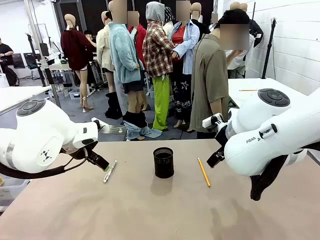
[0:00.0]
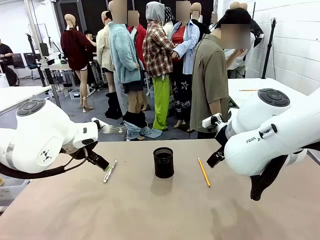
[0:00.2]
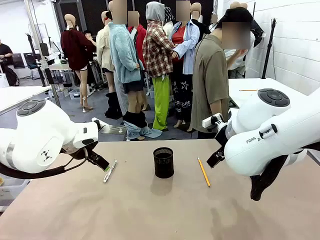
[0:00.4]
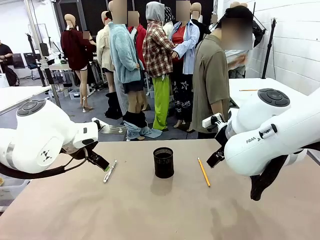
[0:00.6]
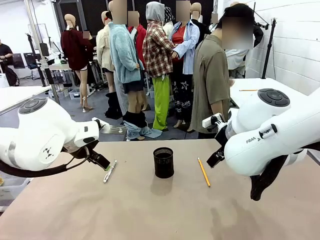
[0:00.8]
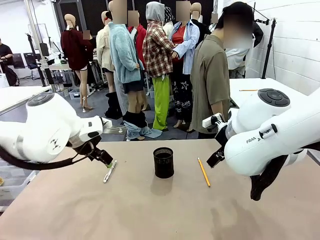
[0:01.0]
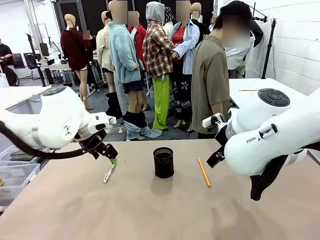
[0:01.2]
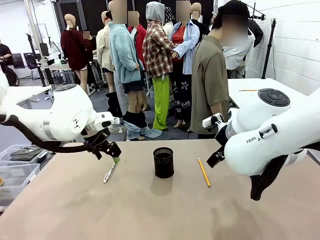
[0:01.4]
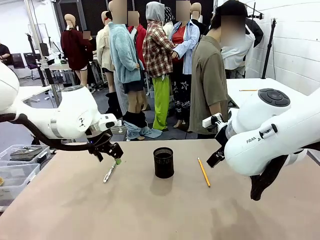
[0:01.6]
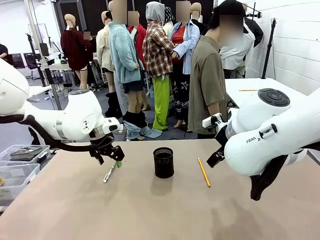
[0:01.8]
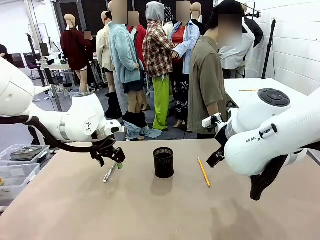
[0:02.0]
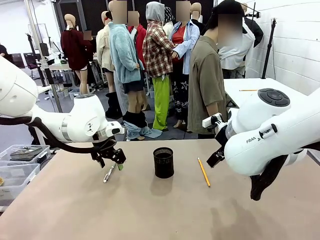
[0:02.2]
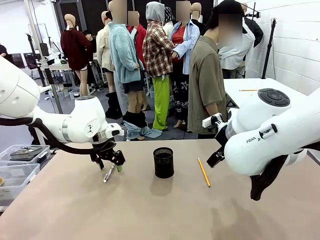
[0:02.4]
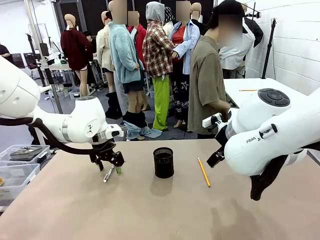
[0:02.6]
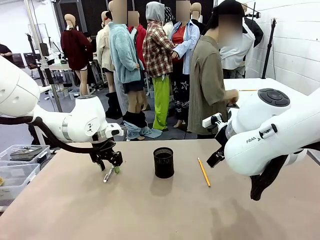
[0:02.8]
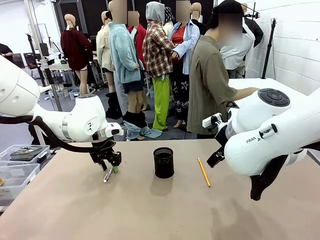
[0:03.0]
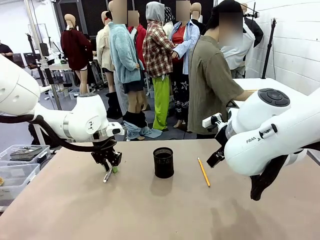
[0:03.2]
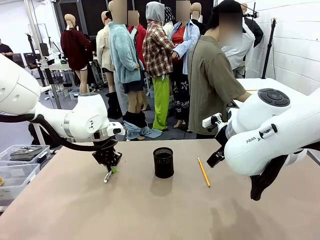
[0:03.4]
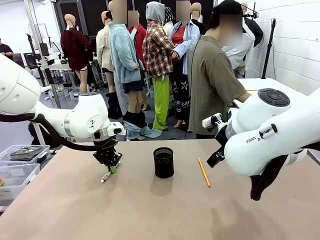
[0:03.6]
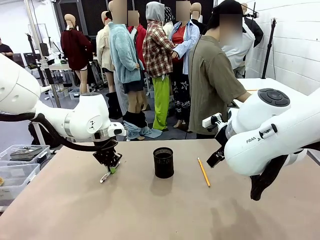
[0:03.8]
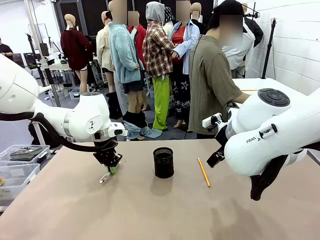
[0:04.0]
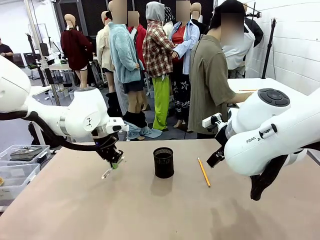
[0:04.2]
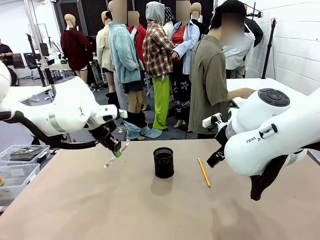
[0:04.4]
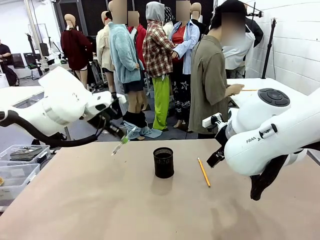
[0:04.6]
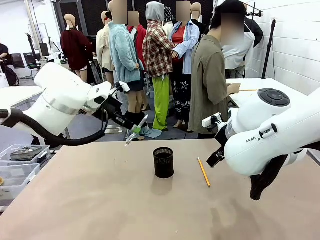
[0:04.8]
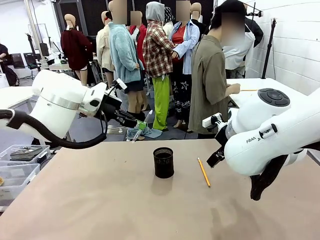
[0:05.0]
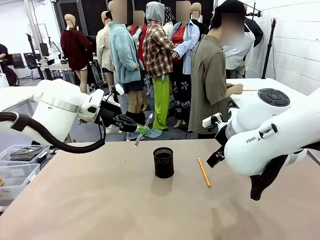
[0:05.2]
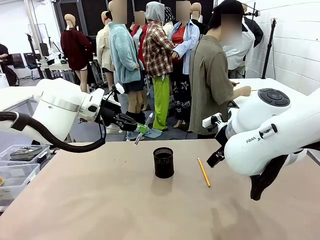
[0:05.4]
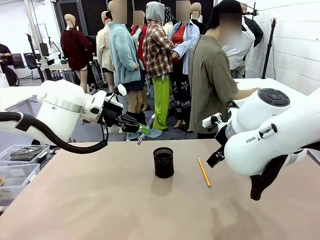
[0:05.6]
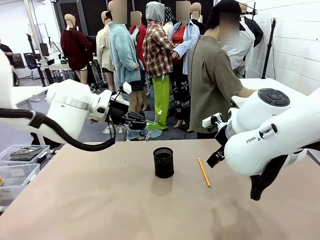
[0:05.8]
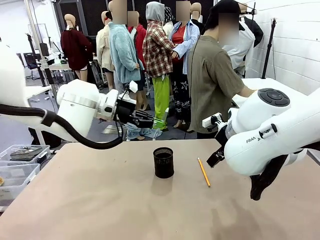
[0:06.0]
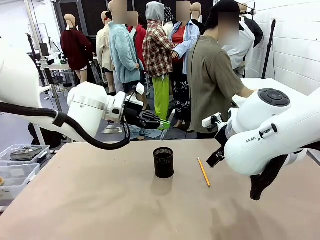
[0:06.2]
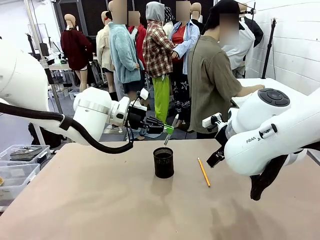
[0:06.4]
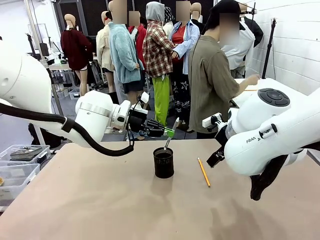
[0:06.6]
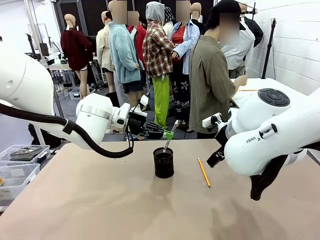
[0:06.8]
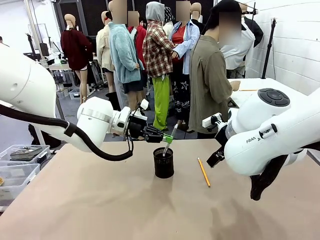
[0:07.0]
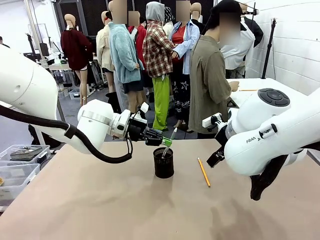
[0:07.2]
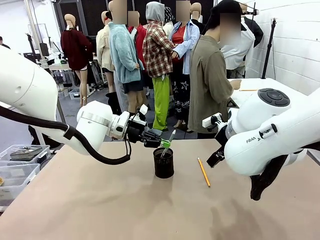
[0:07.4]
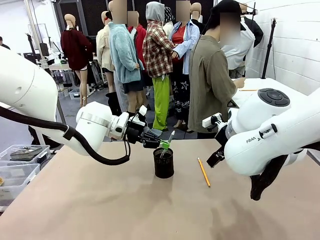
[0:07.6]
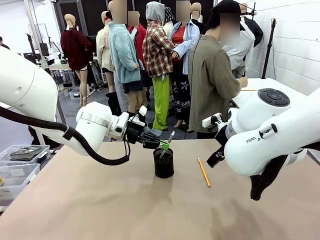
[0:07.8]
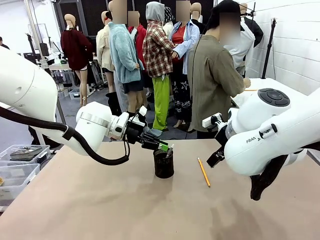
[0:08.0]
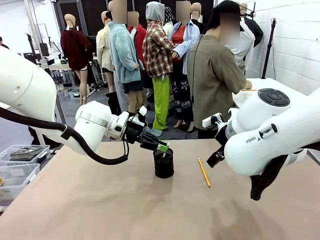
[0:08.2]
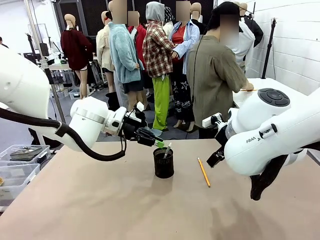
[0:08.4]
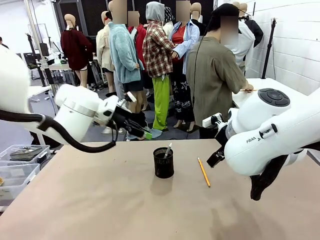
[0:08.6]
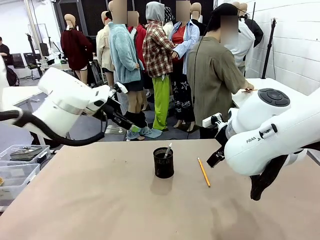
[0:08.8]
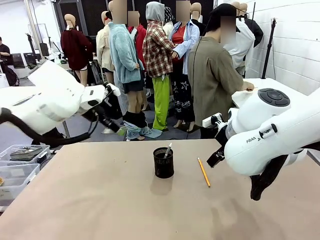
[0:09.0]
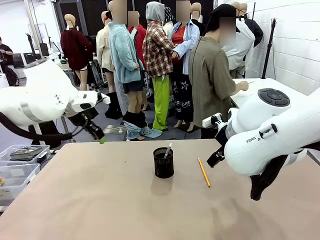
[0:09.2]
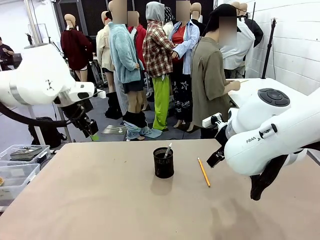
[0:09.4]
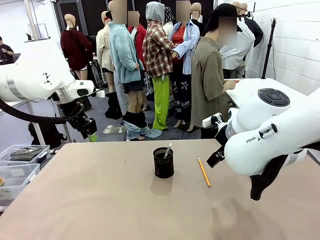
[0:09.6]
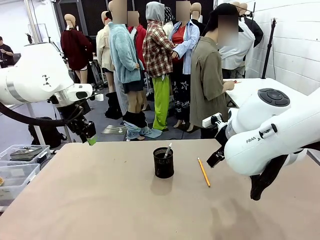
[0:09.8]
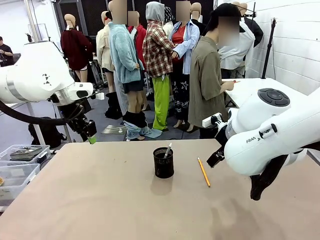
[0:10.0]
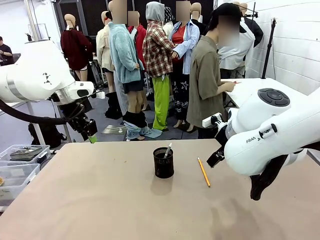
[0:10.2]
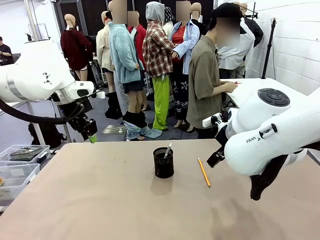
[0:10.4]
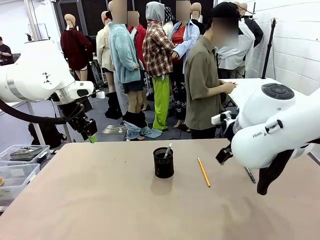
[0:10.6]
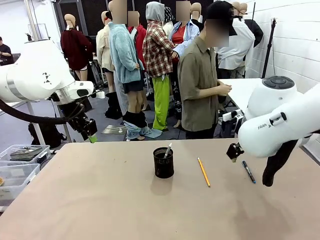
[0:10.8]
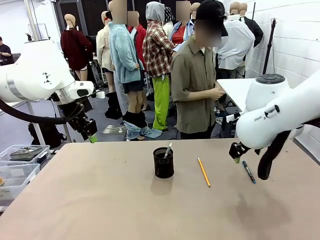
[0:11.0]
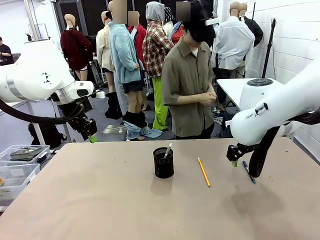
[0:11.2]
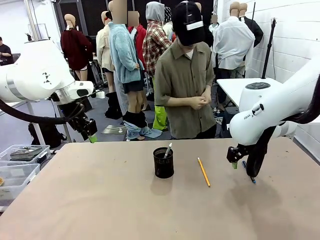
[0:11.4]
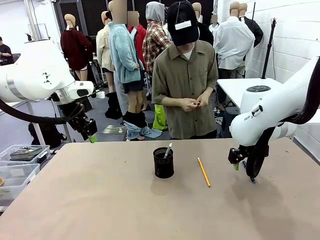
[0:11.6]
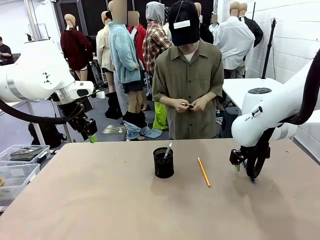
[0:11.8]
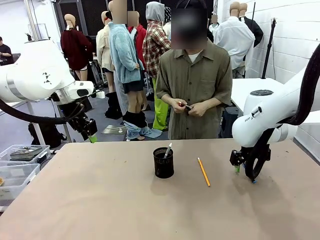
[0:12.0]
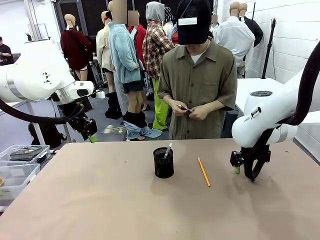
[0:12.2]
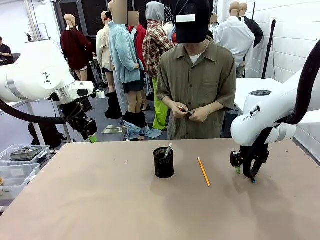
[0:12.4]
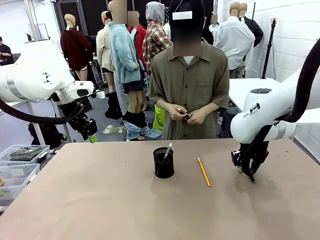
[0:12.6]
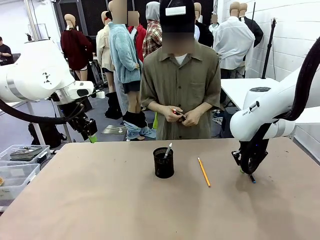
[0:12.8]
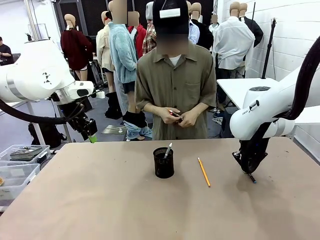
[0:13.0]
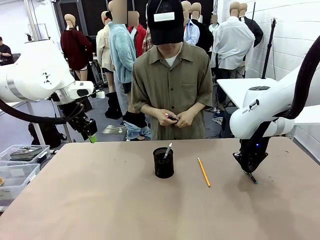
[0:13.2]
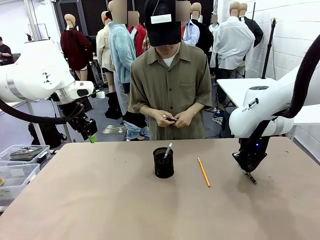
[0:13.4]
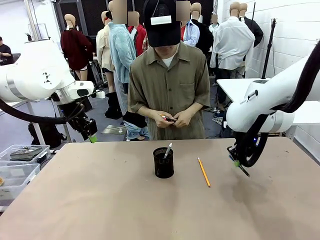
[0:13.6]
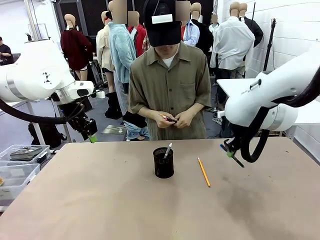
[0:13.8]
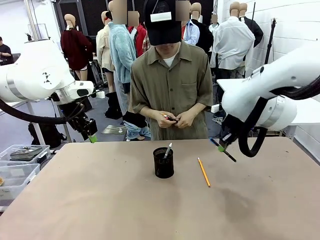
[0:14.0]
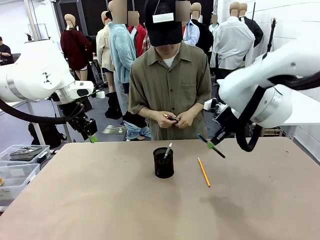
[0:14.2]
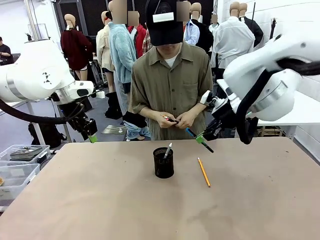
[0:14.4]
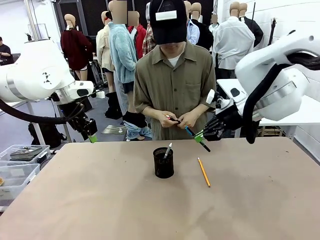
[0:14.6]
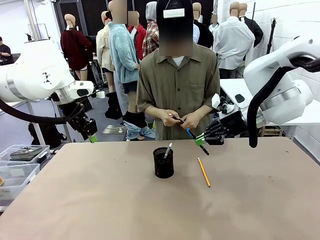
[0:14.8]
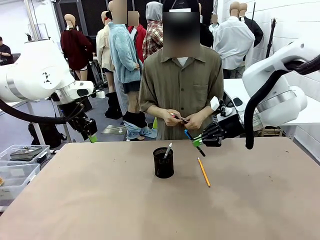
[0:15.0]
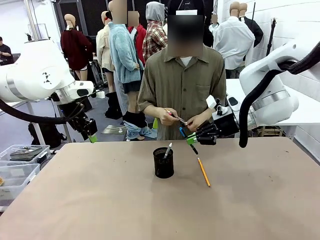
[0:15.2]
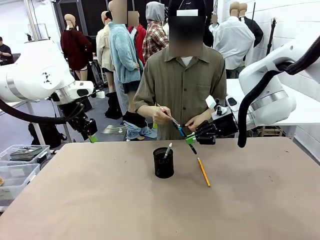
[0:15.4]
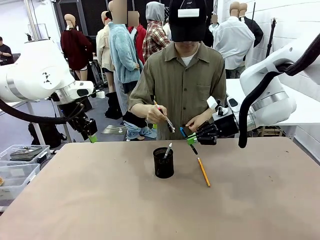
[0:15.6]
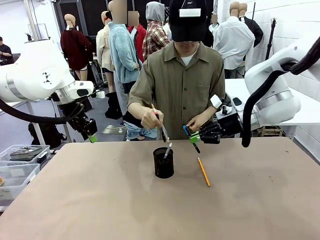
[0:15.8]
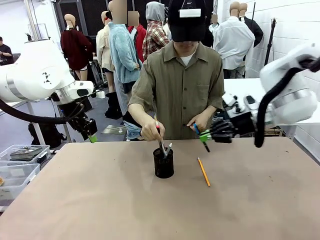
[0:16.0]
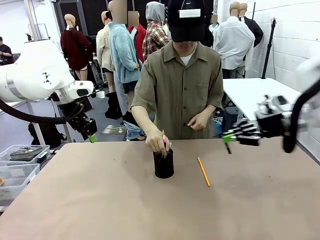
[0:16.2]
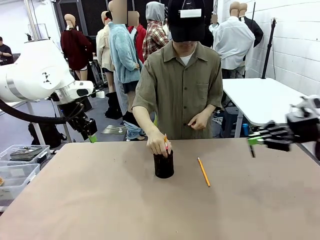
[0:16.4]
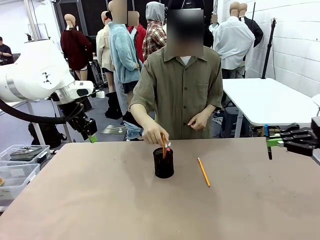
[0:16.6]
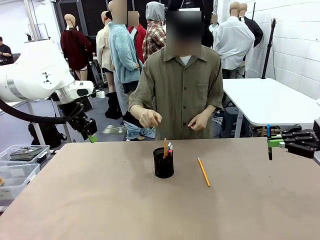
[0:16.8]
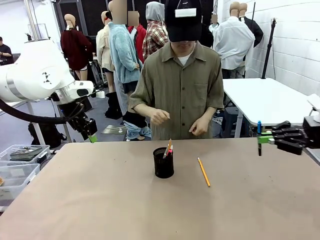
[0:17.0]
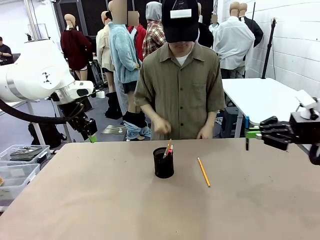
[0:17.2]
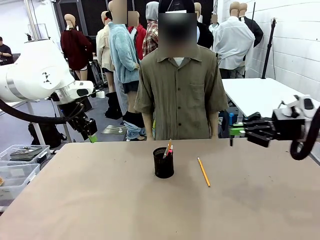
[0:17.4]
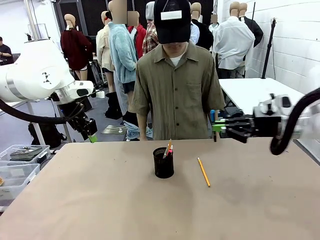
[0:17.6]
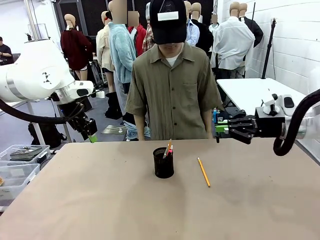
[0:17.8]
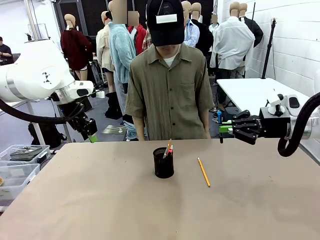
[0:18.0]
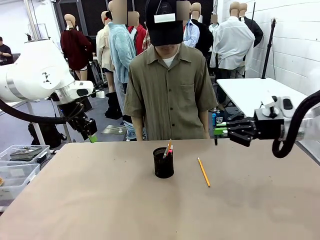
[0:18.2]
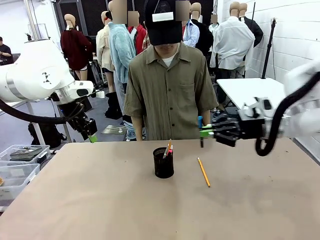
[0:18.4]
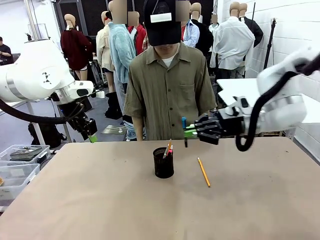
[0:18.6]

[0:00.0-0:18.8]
Task: Place the pens into the pen holder.
Robot: Pick up a writing instrument from the table and place it into the Pen holder.
Person: Pick up all writing instruments from the Human table.
